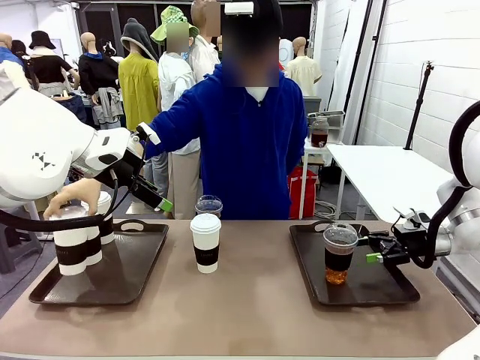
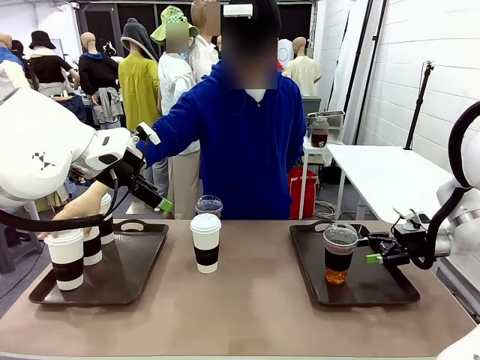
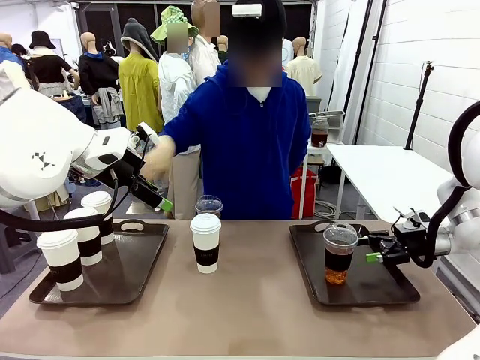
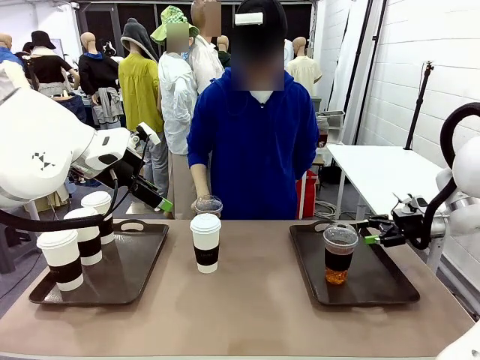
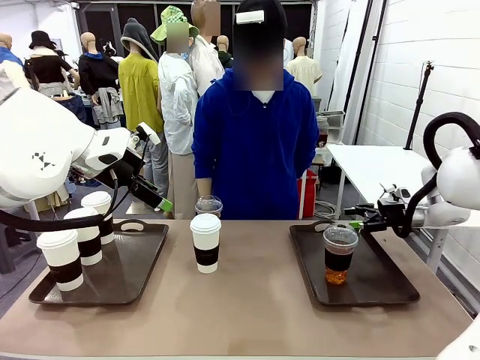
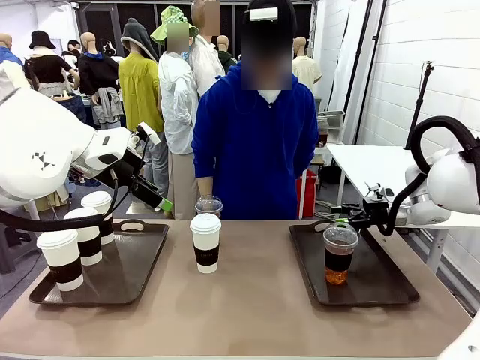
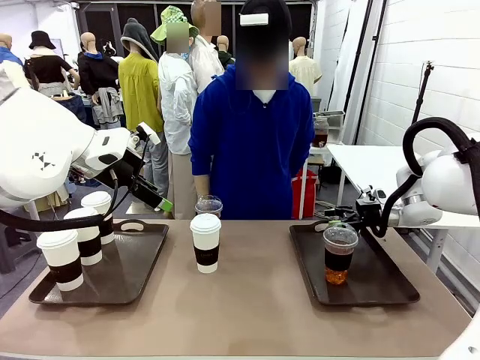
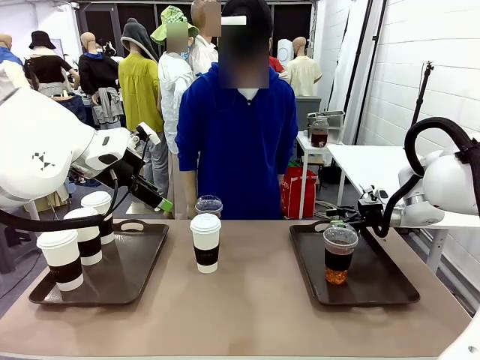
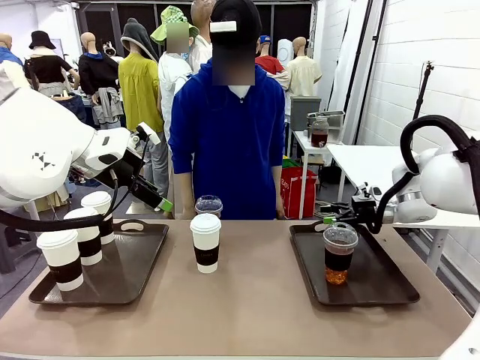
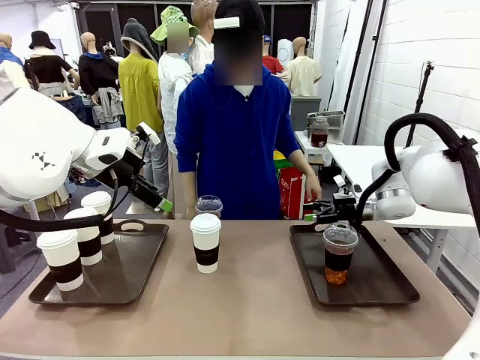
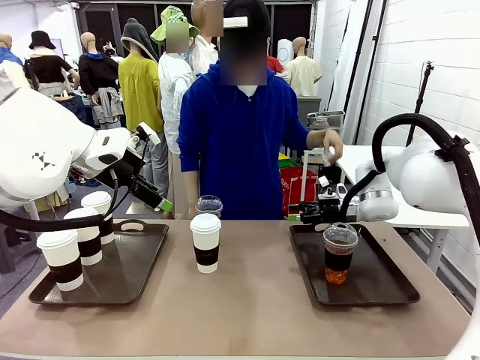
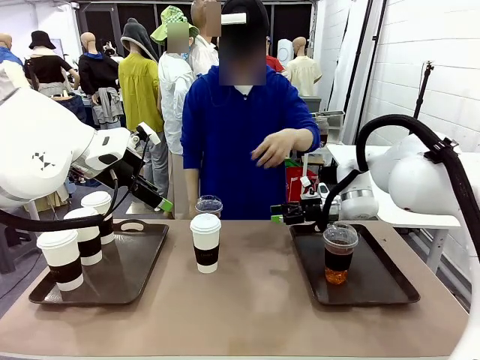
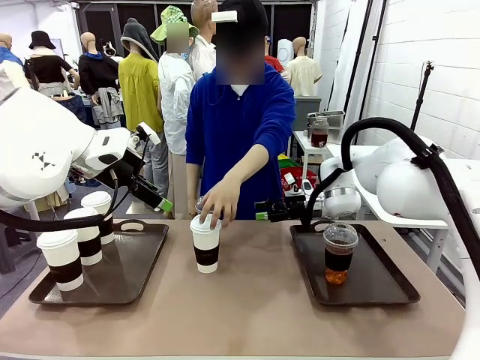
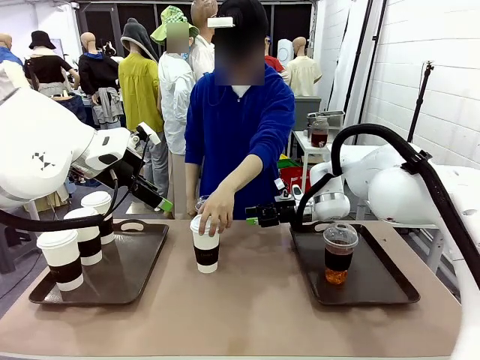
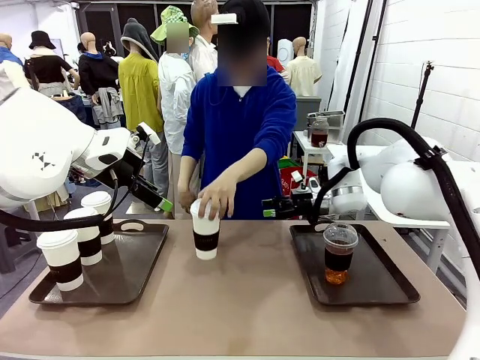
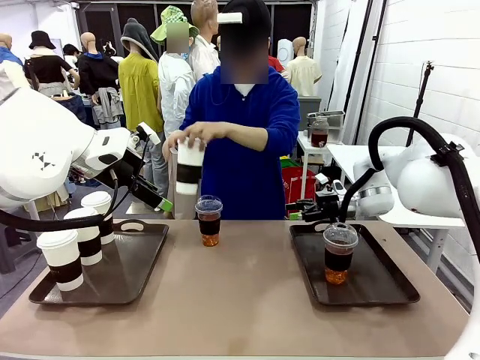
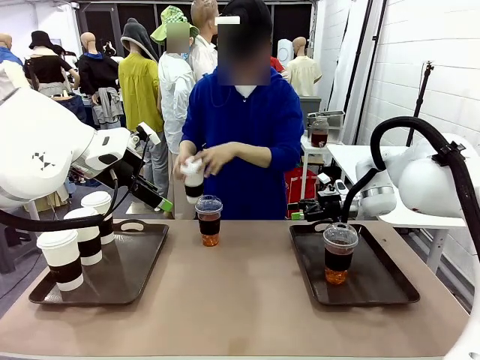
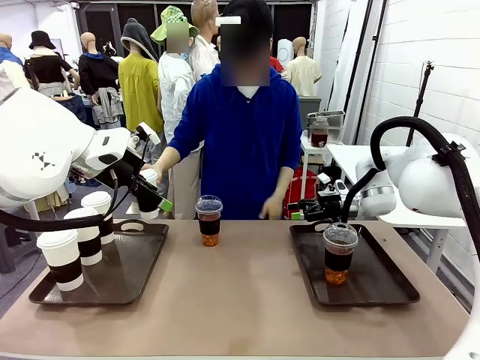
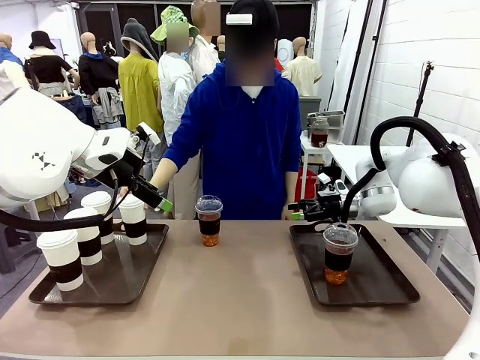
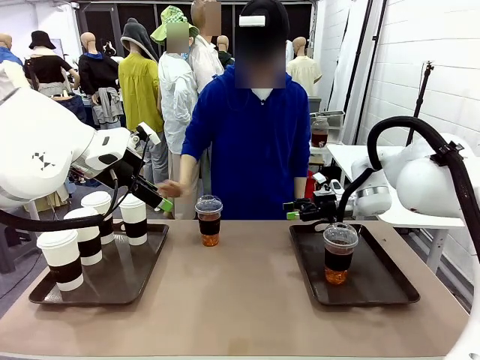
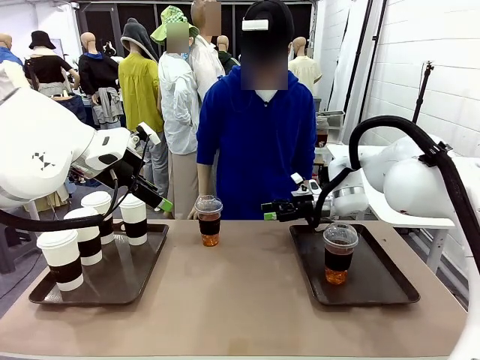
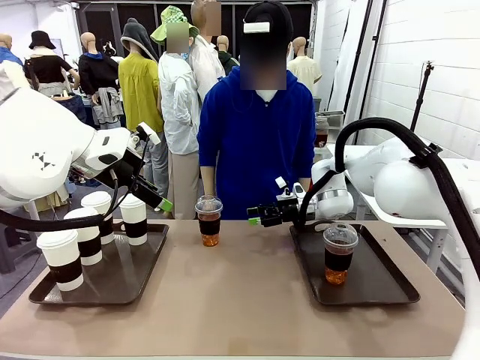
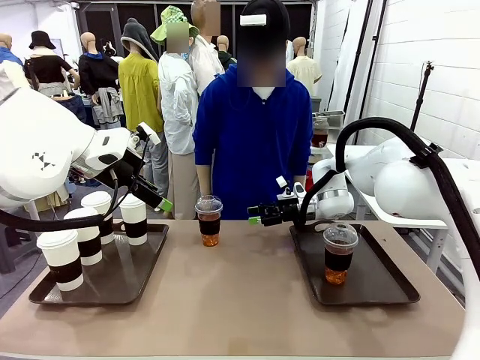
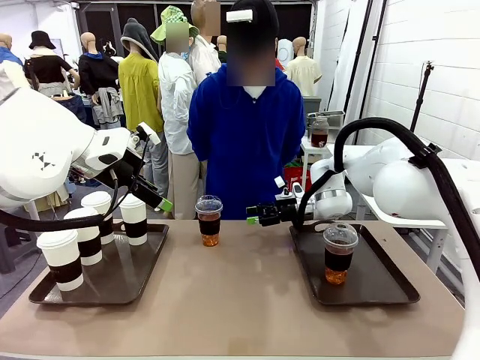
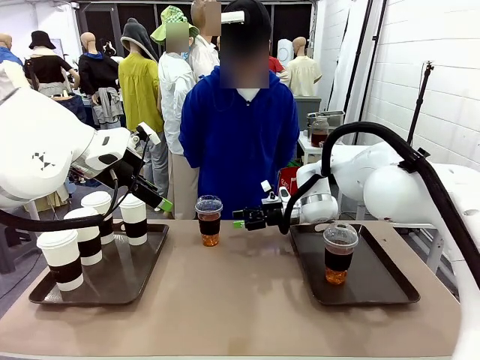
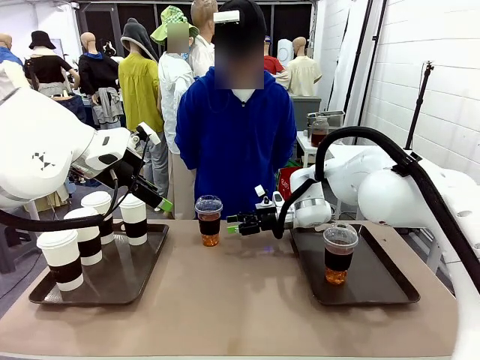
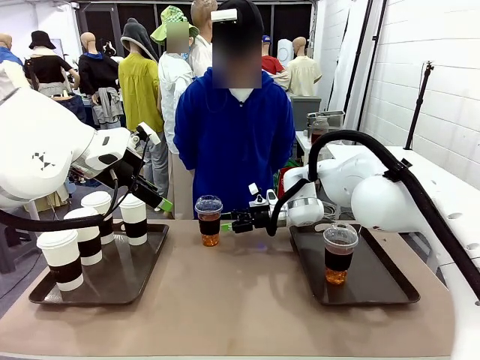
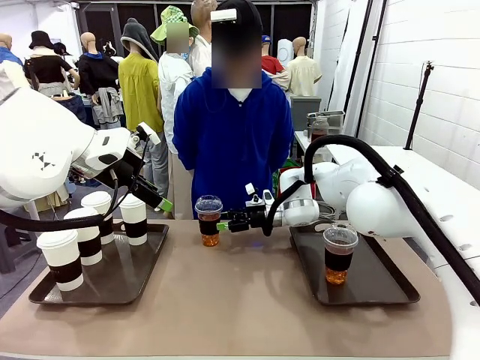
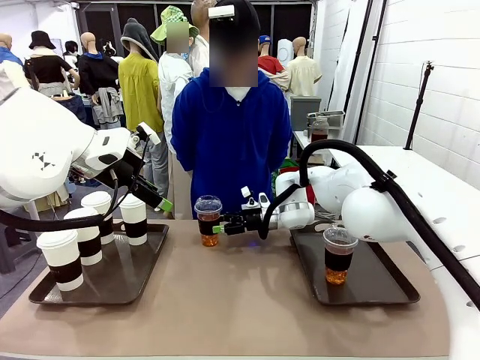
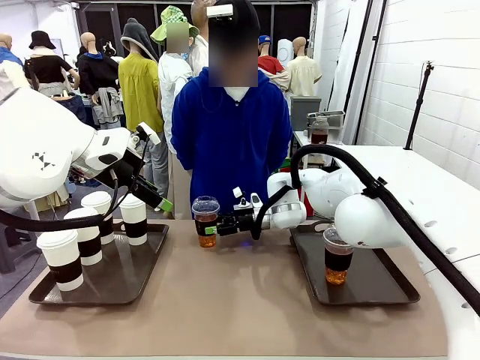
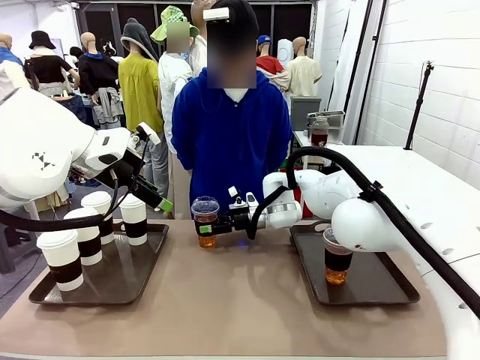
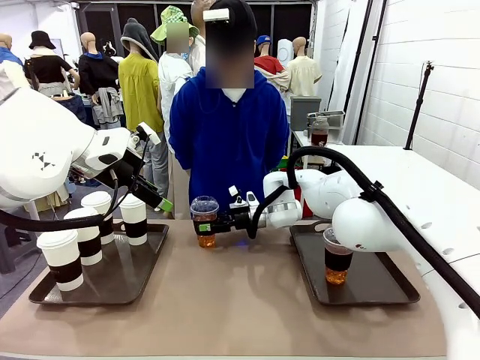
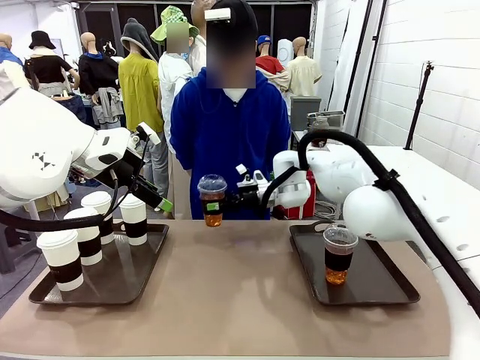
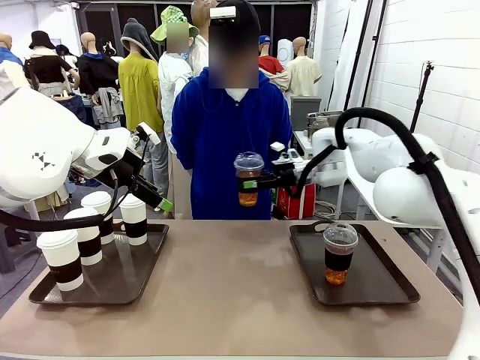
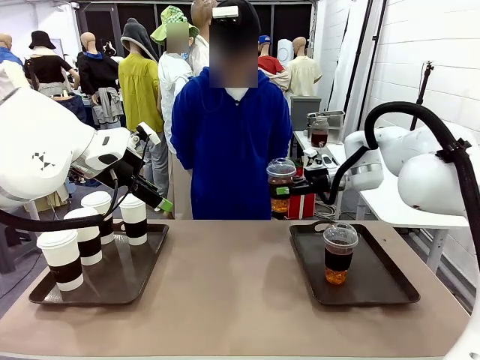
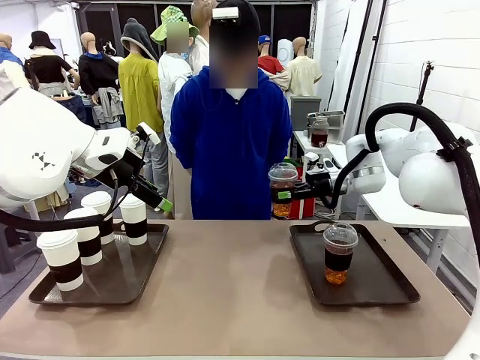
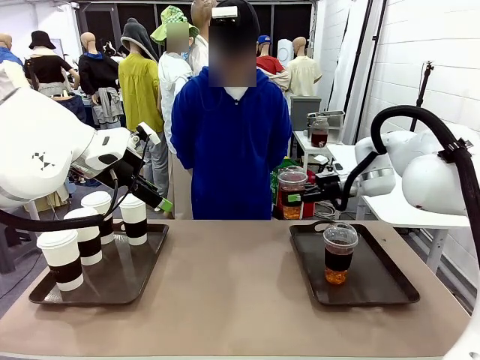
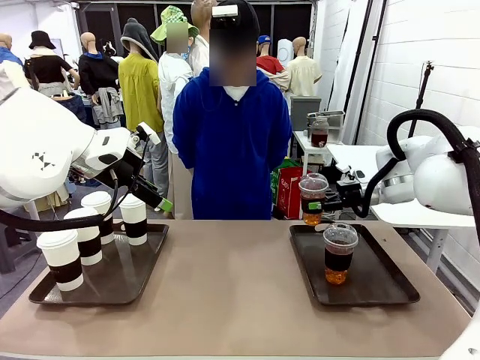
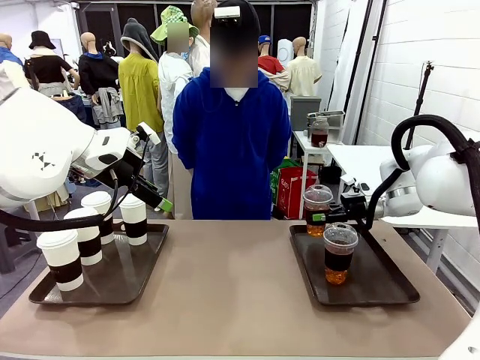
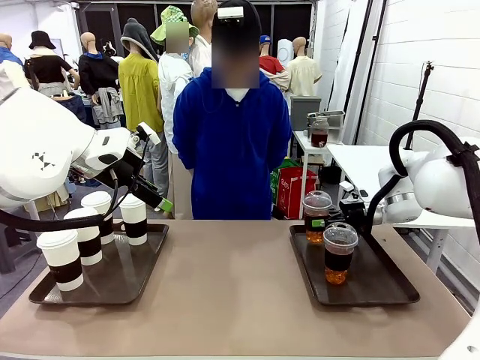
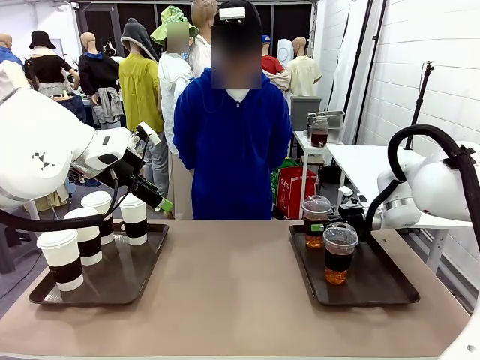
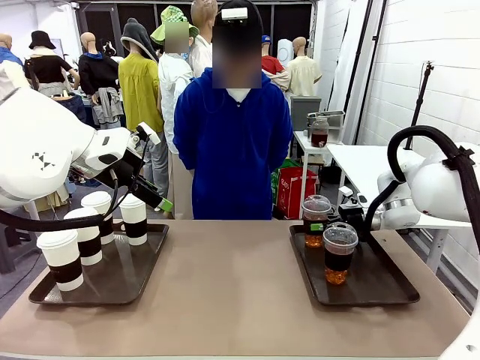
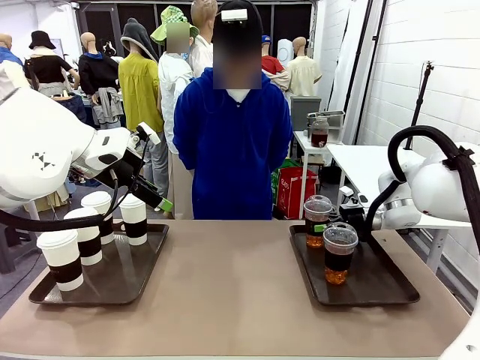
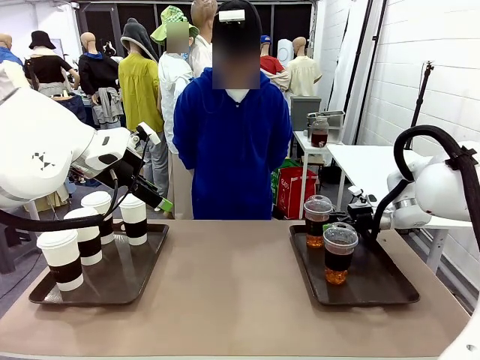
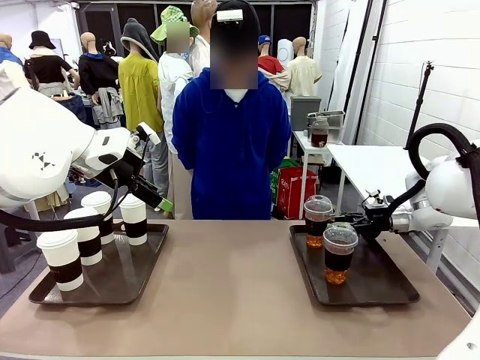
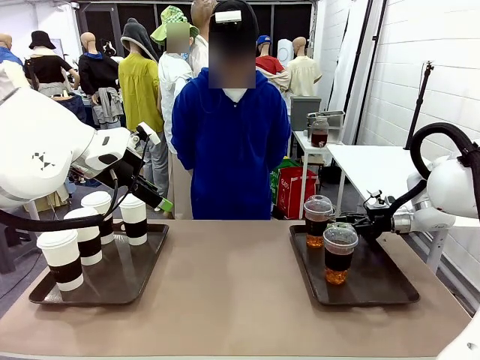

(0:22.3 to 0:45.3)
Task: Distribute the coffee onto the tray.
Robot: Pick up another iced Americano from the middle of the table and place it on the right Handle tray.
Person: Pick up a cup of hot Americano from the middle of the table and place it on the right tray.
